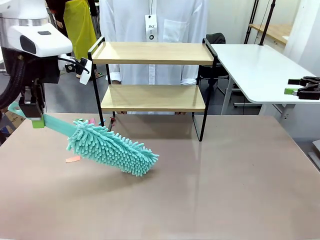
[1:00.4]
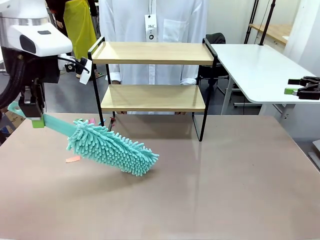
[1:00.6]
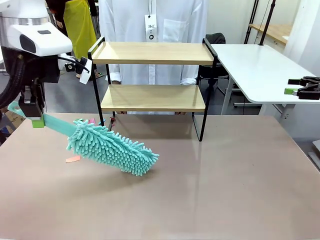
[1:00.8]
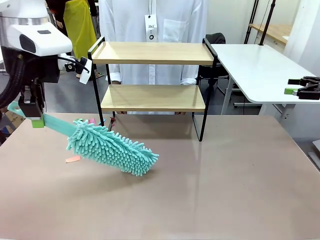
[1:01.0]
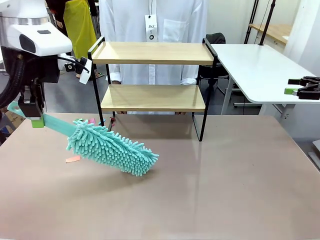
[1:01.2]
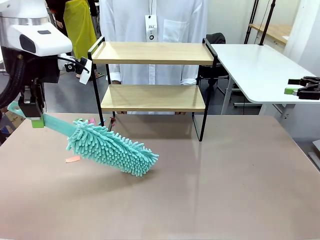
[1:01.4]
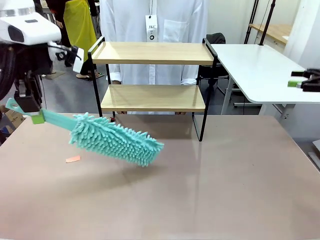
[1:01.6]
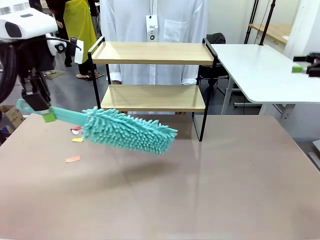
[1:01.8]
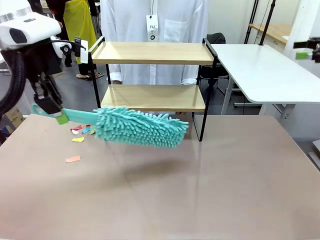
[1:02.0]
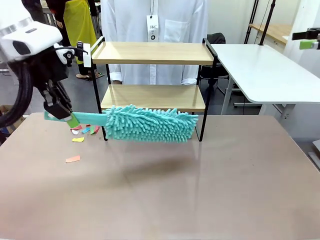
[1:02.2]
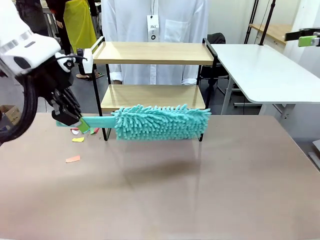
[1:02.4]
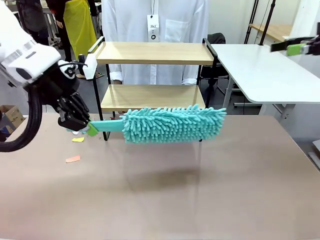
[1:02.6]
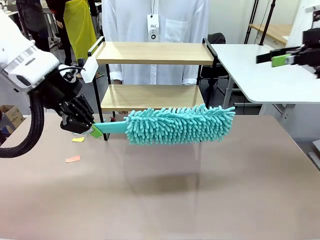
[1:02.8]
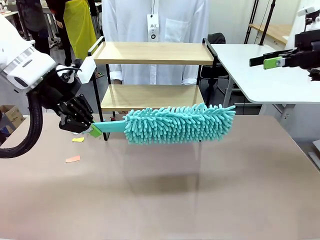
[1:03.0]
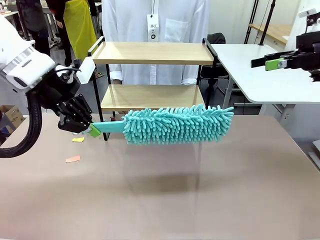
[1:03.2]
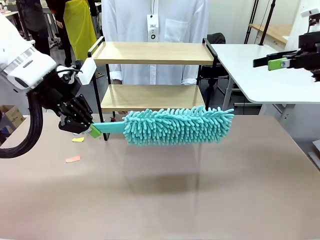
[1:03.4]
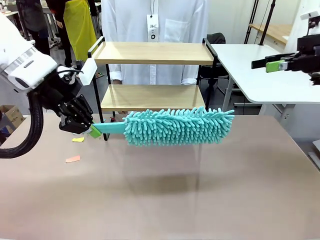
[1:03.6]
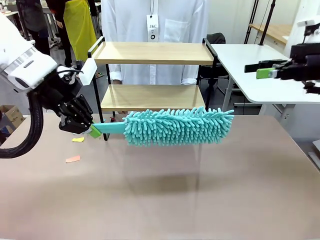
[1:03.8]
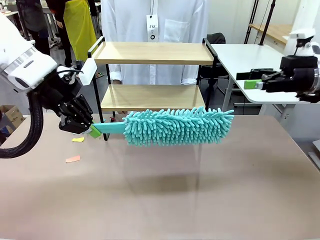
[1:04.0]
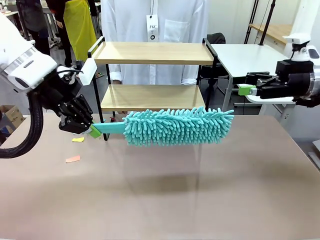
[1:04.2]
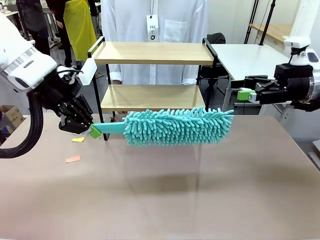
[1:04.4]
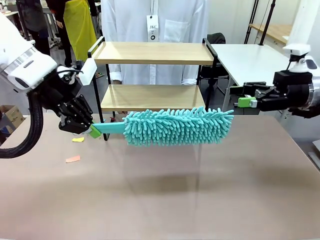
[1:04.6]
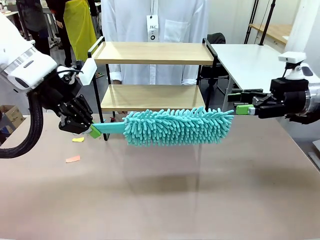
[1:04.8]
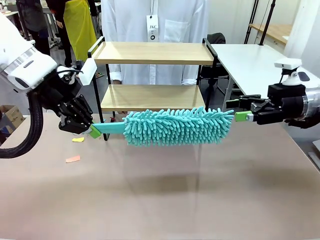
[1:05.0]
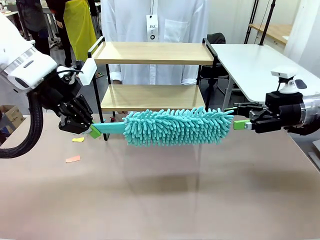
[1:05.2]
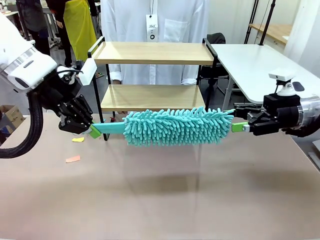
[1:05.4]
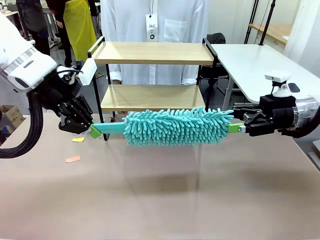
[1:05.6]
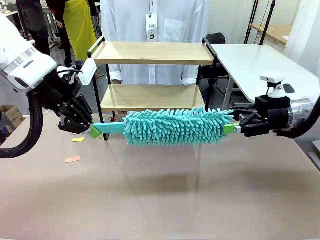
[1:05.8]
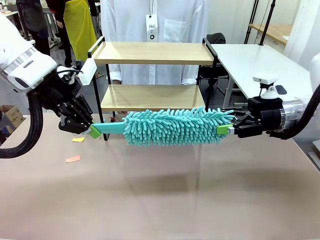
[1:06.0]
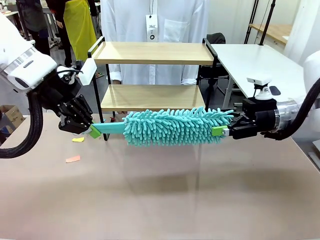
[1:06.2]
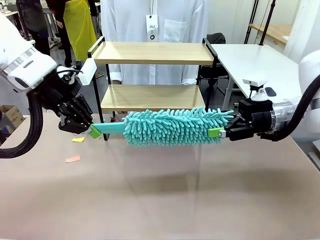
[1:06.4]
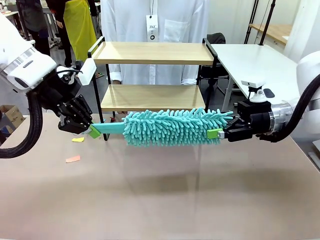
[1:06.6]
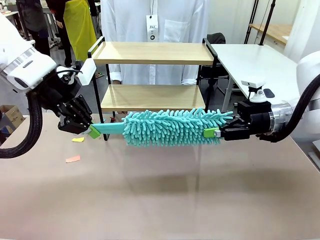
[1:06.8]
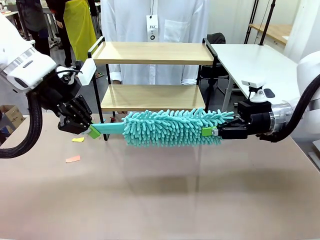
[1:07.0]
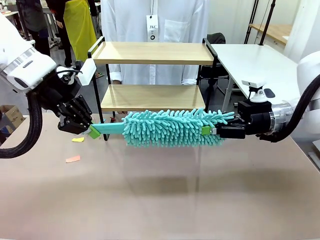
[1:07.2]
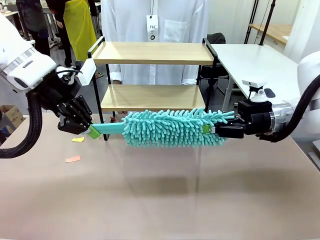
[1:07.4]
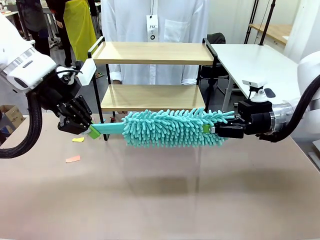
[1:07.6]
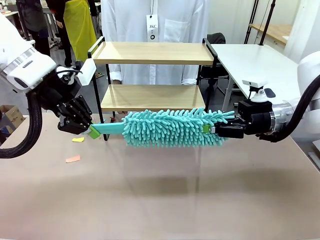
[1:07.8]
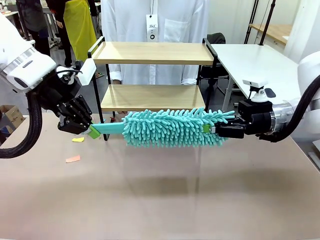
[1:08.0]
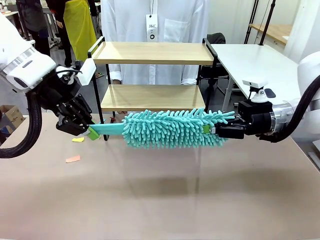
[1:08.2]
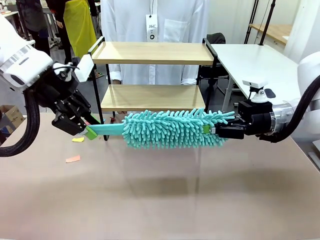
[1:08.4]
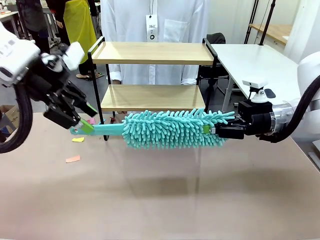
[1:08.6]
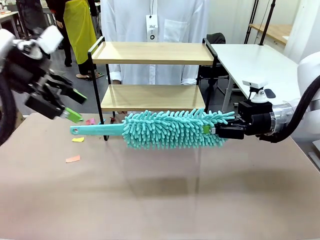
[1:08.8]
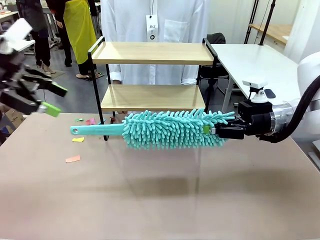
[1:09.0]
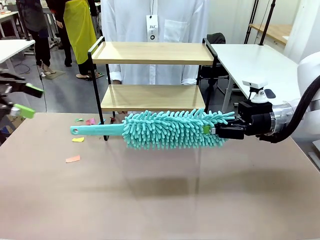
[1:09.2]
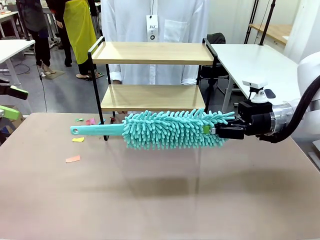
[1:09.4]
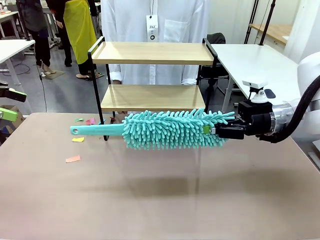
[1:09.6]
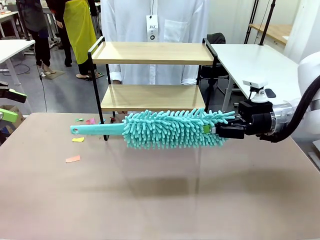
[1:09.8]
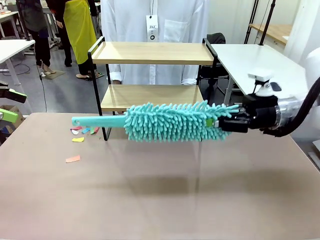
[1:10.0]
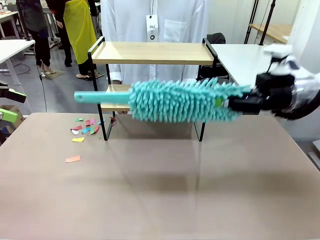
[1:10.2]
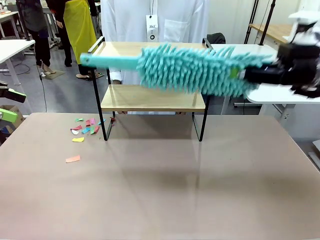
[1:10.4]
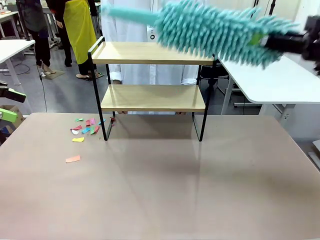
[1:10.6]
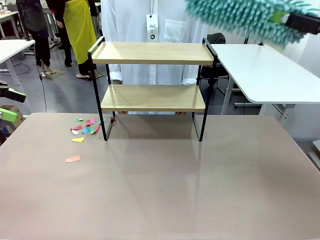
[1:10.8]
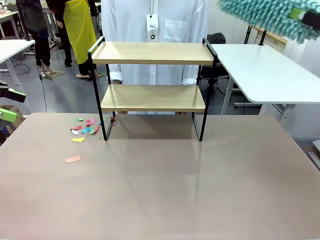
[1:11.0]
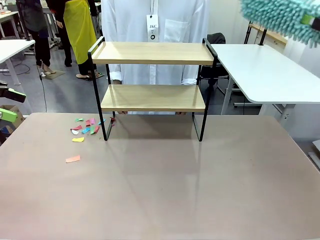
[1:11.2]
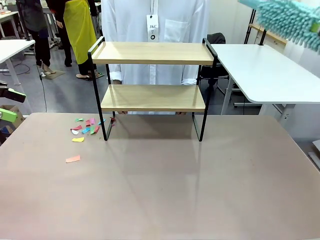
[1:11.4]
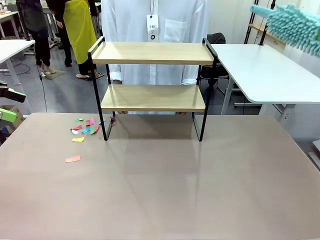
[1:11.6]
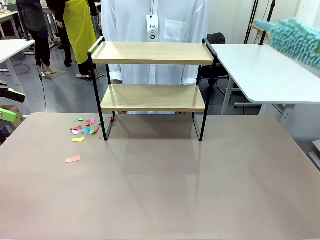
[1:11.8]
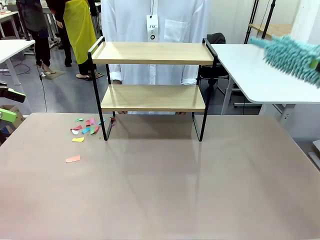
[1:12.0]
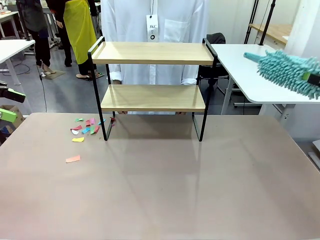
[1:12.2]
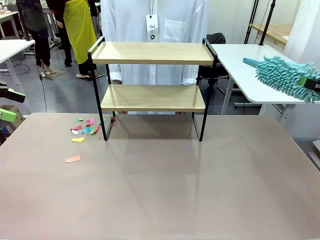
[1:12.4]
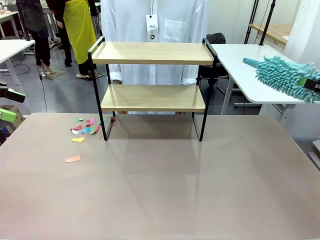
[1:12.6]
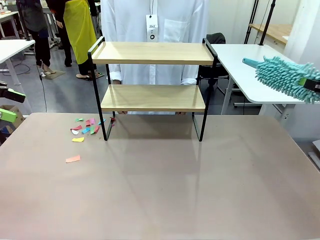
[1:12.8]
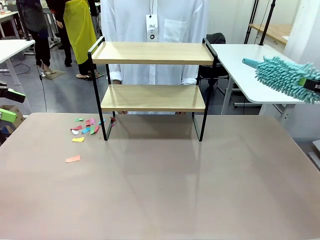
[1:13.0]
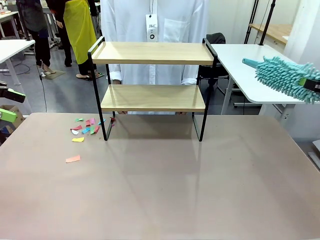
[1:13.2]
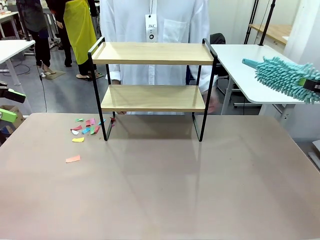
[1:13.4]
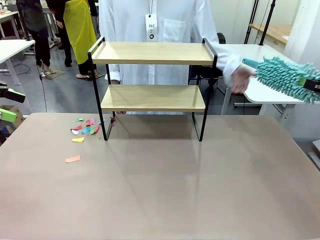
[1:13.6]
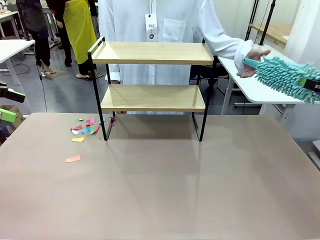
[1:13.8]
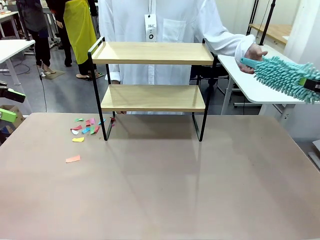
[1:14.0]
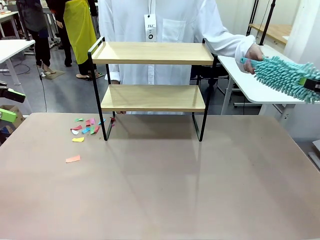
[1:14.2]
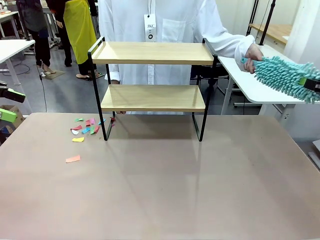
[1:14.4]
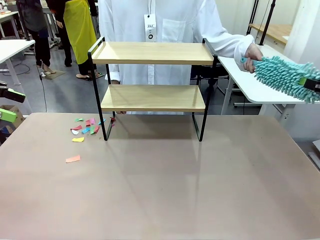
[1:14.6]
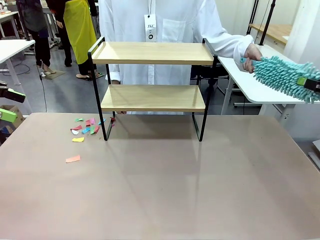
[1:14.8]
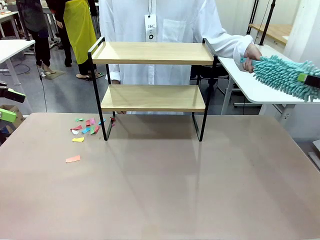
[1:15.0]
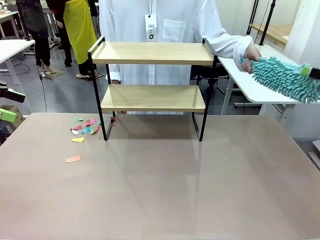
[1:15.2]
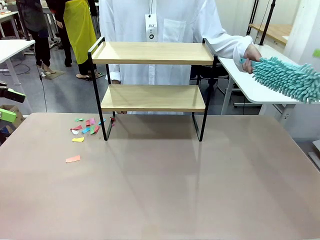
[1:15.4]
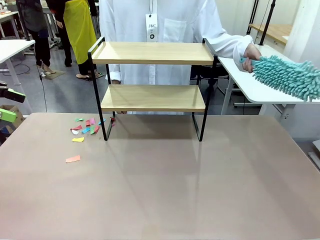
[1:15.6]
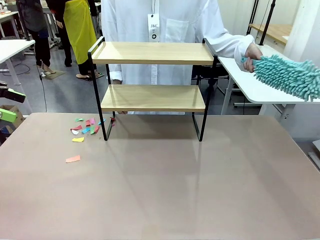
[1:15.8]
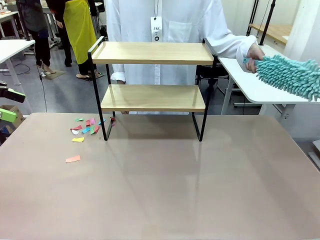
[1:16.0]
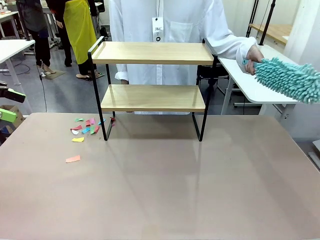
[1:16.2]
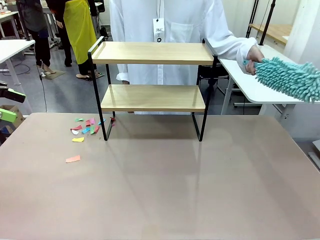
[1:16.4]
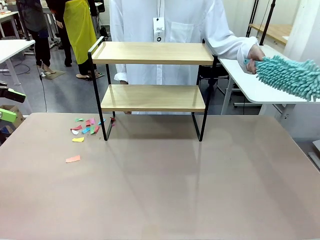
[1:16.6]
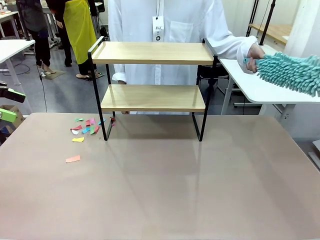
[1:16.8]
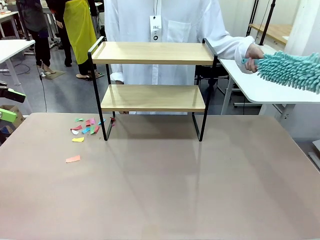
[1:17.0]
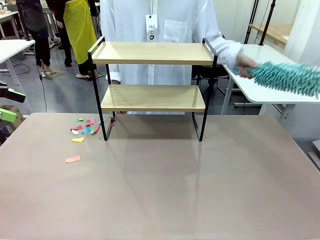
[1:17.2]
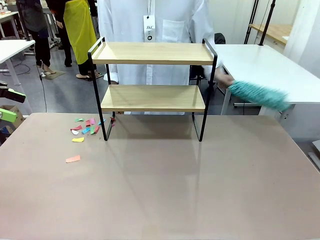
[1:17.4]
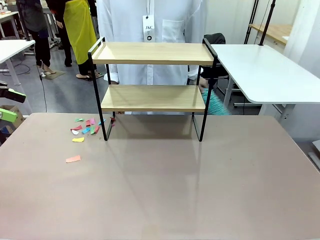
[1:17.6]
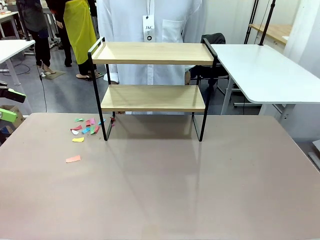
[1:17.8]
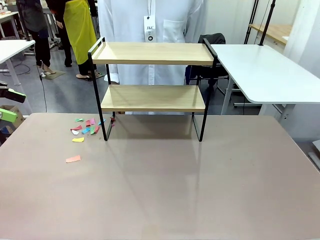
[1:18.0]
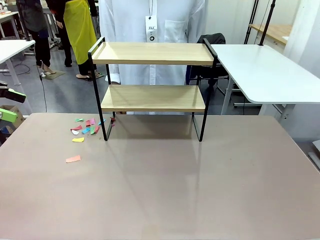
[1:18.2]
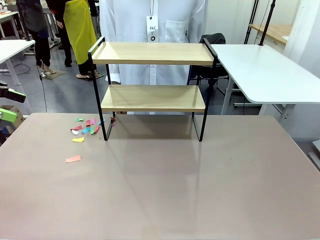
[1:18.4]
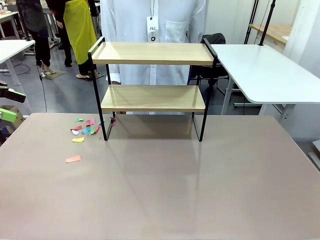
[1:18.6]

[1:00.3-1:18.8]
Task: Clean the shelf.
Robot: Hand the Duster back to the human.
Person: Receive the Duster from the robot.

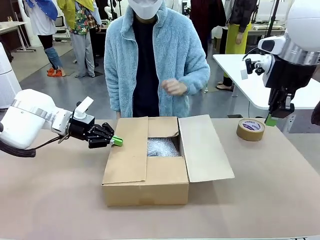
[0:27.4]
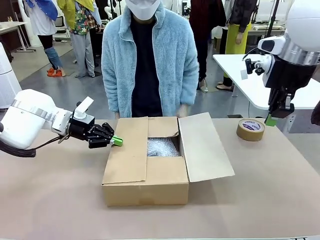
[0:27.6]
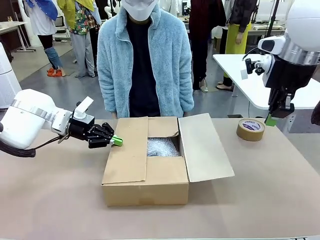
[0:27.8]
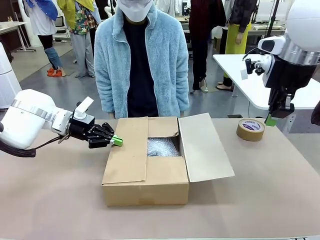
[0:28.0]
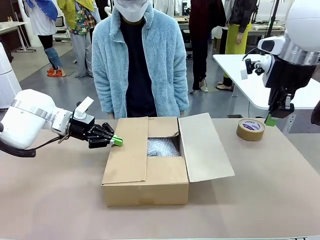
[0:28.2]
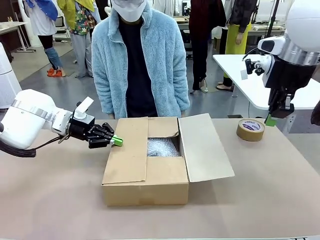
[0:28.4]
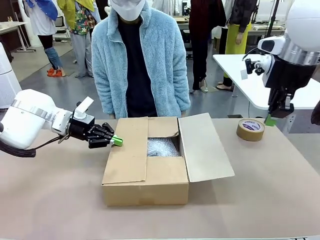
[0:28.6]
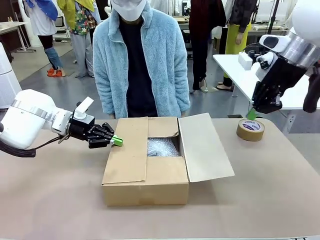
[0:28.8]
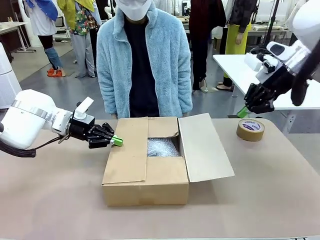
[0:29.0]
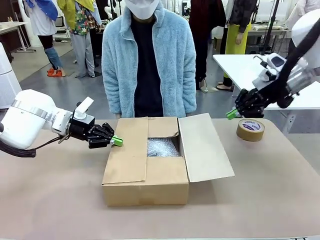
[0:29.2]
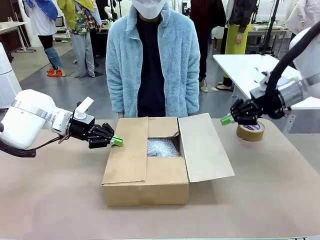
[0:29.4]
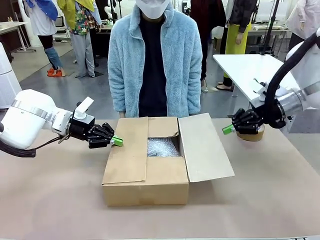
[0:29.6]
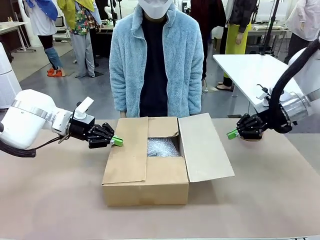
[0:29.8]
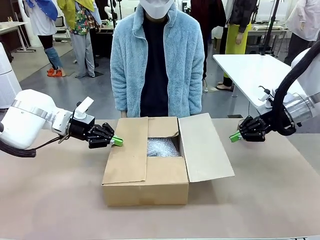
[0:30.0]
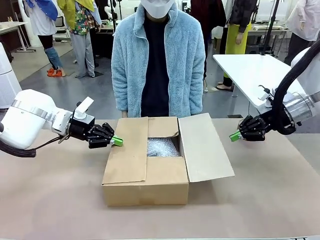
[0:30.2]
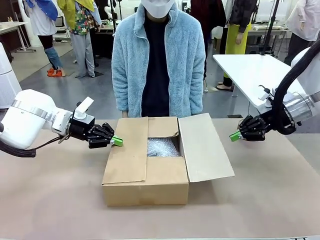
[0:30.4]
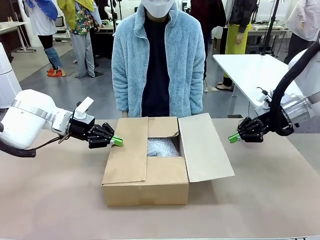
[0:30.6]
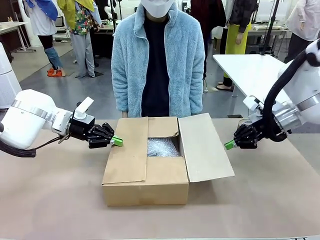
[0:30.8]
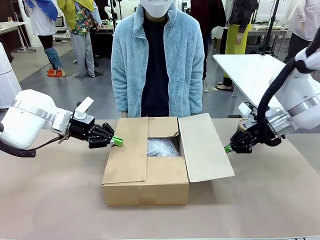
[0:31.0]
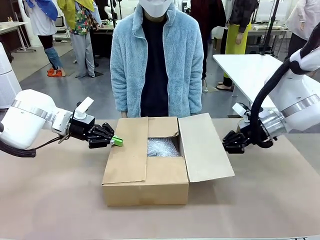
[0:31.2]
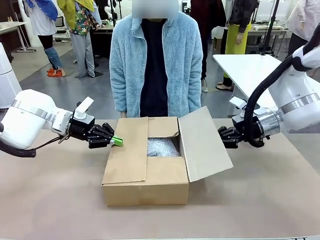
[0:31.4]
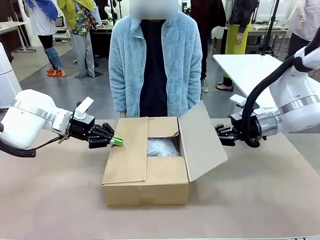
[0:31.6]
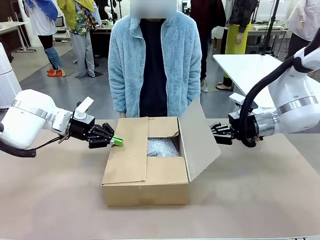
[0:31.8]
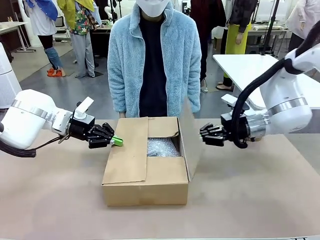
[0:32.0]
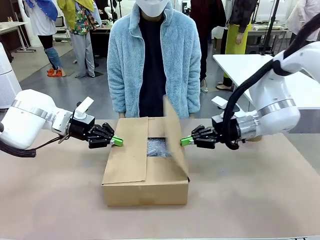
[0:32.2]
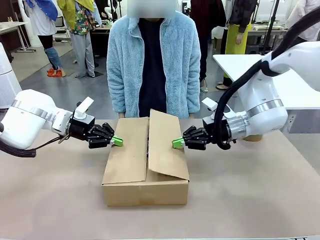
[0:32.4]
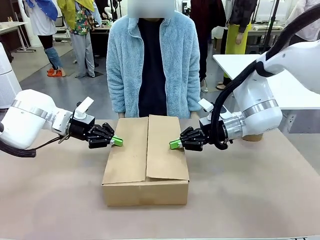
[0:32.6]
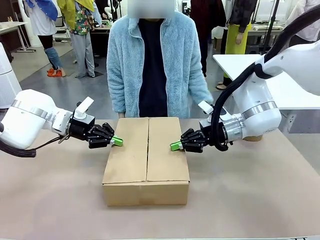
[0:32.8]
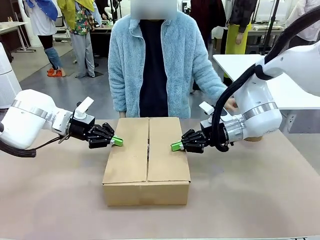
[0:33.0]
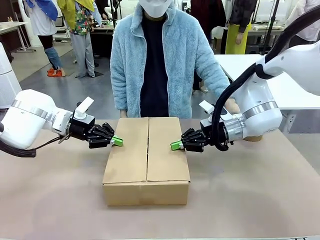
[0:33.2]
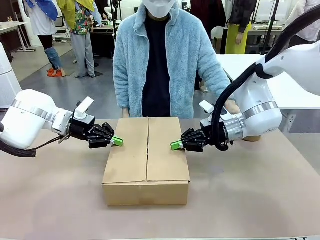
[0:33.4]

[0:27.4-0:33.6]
Task: Wrap the clocks to prevent damage.
Robot: Push the left (or right) flap of the Package Box to close it.
